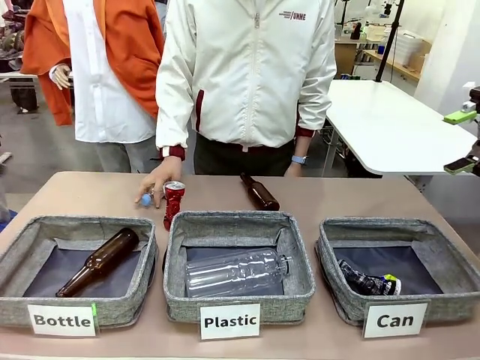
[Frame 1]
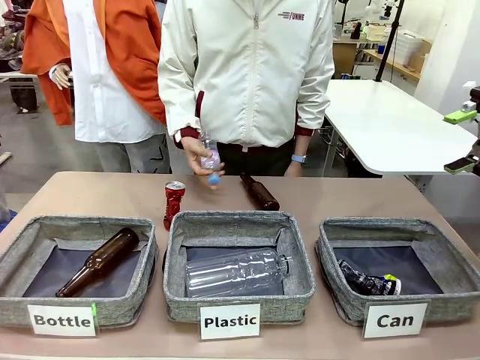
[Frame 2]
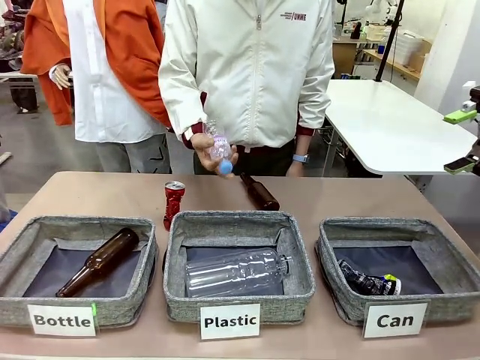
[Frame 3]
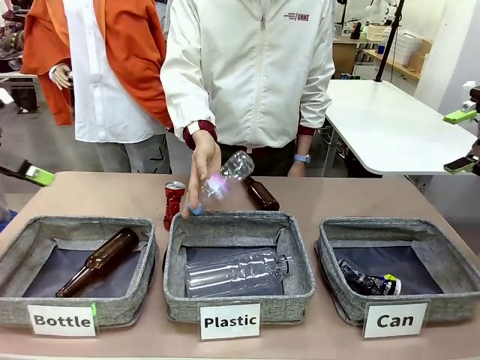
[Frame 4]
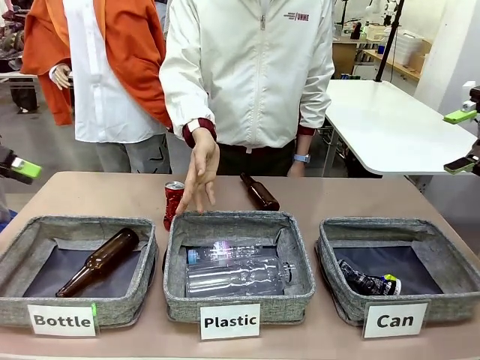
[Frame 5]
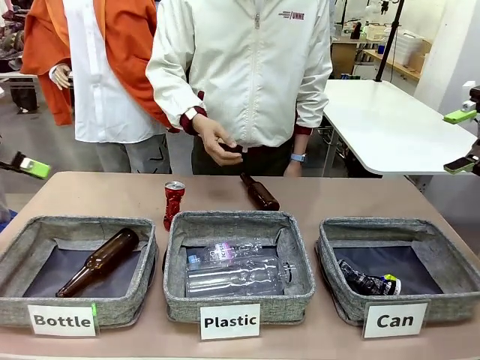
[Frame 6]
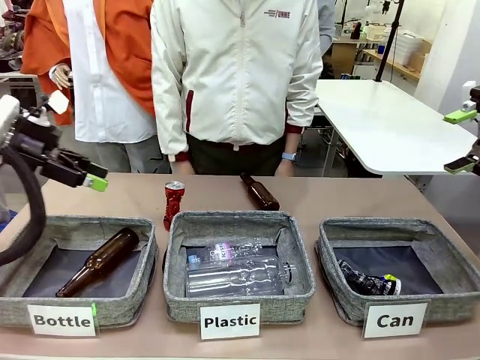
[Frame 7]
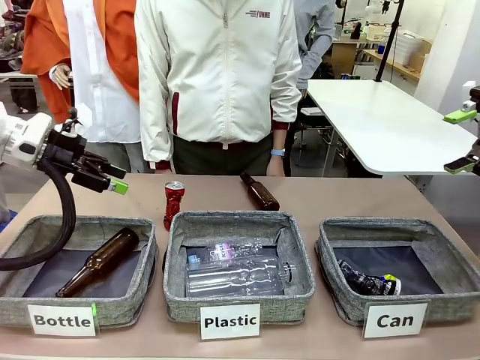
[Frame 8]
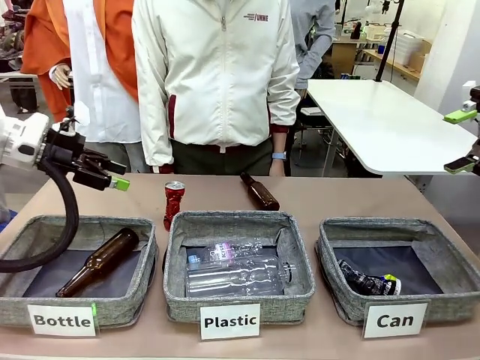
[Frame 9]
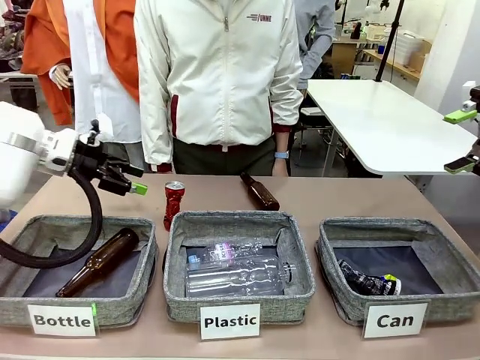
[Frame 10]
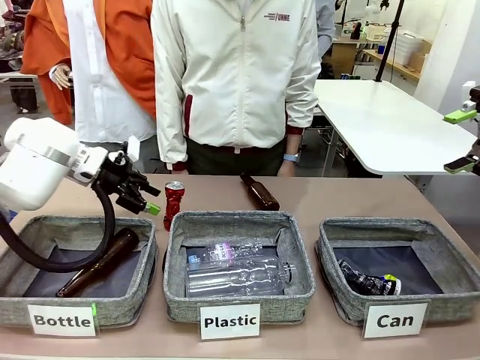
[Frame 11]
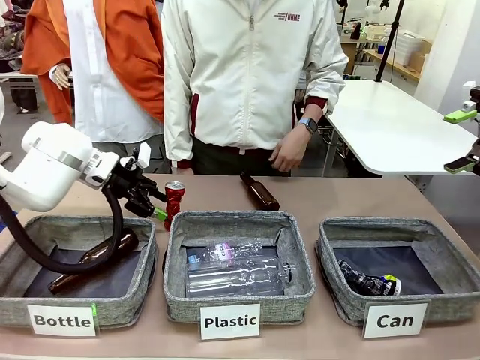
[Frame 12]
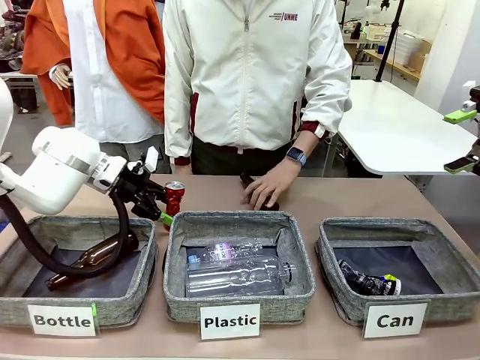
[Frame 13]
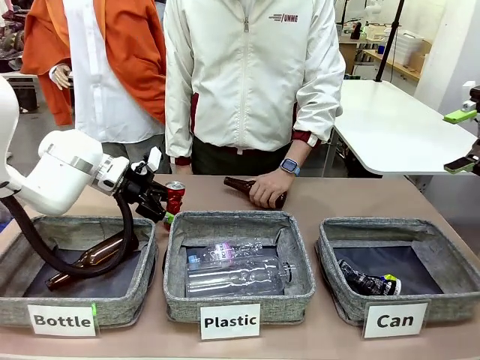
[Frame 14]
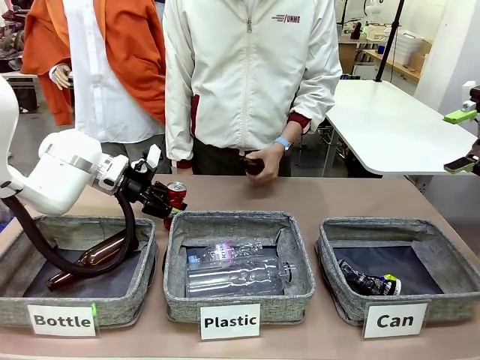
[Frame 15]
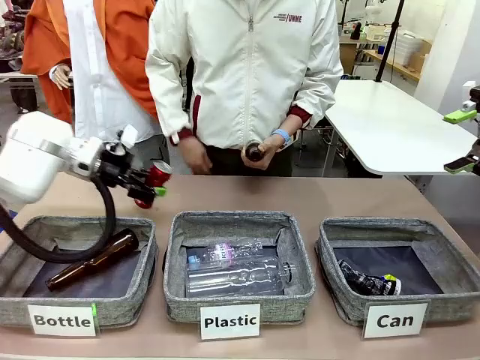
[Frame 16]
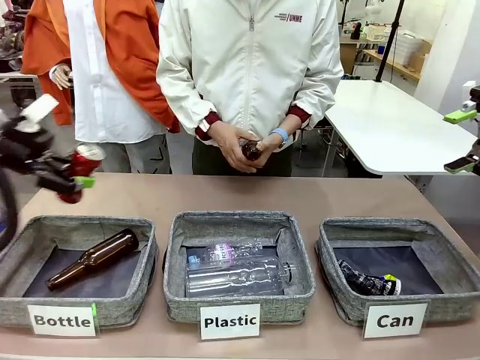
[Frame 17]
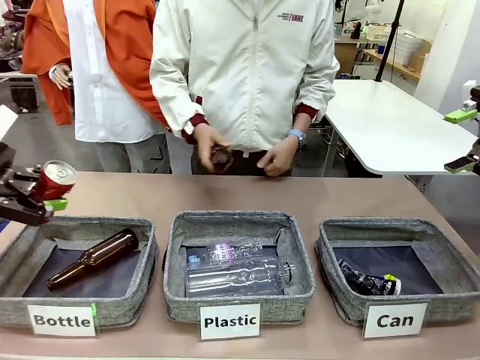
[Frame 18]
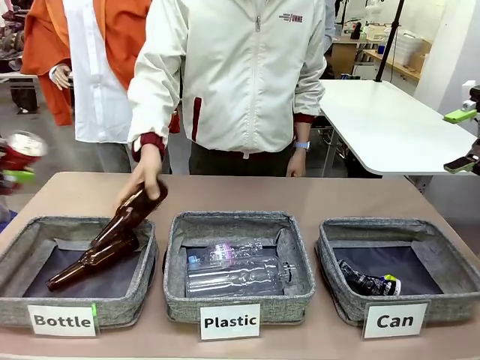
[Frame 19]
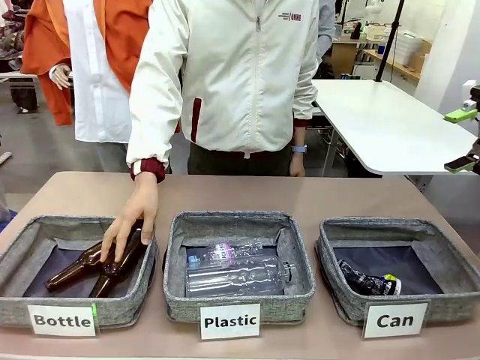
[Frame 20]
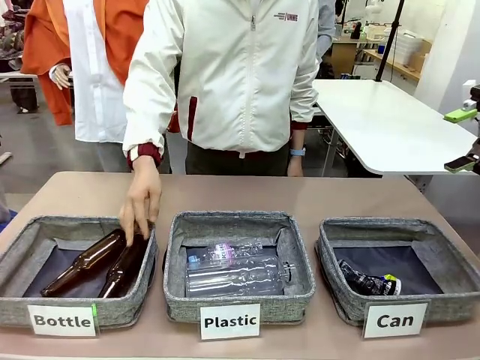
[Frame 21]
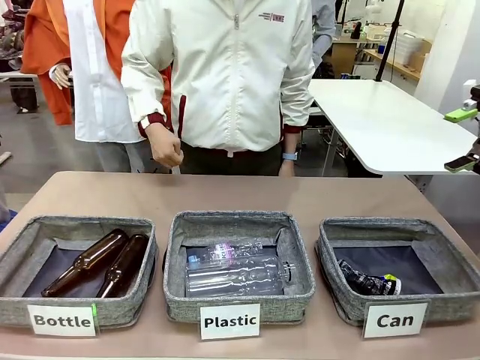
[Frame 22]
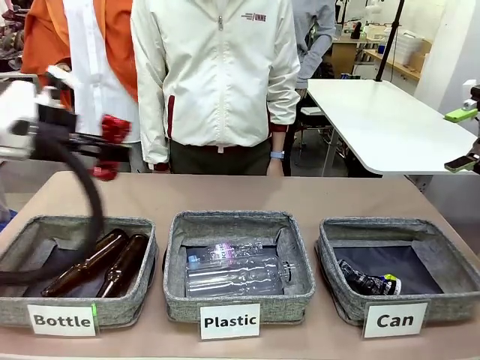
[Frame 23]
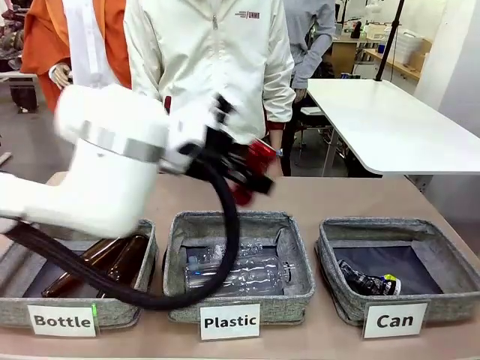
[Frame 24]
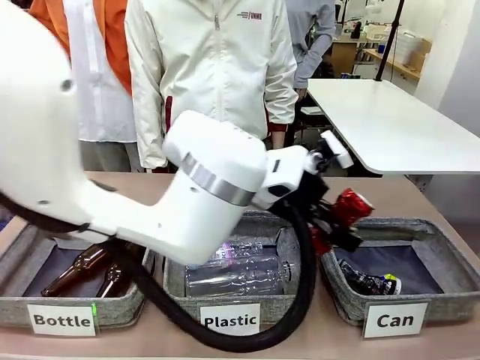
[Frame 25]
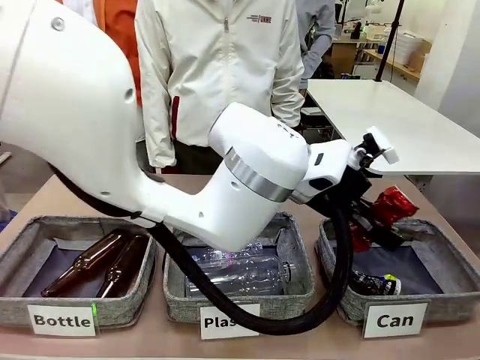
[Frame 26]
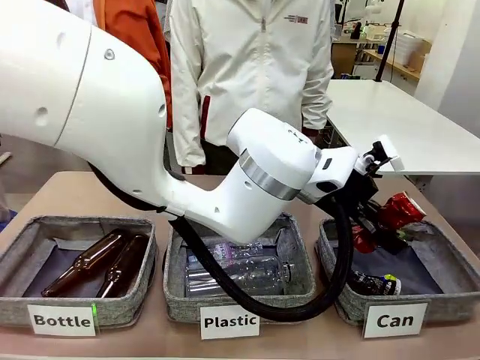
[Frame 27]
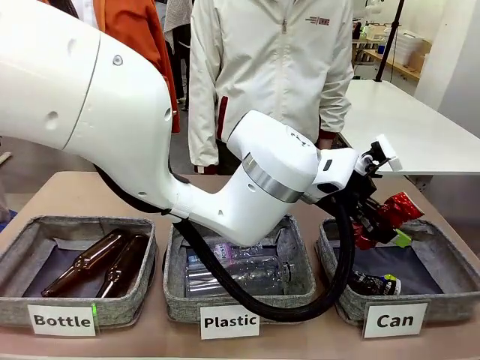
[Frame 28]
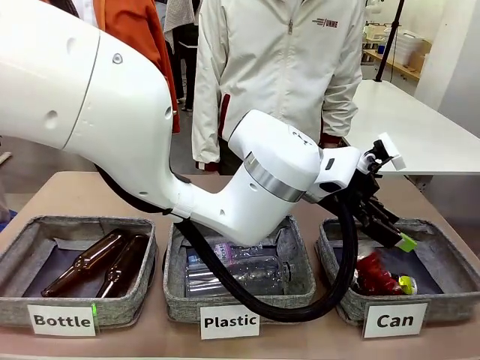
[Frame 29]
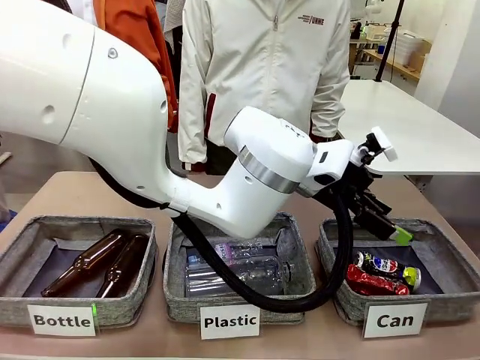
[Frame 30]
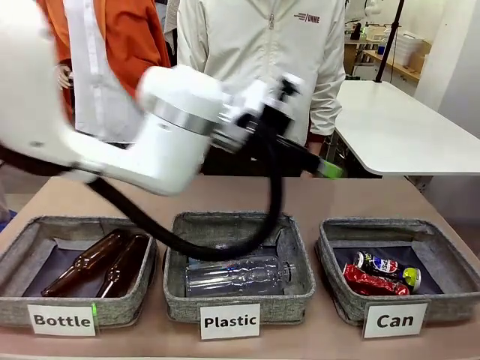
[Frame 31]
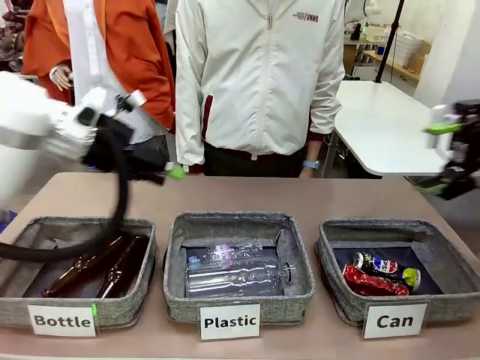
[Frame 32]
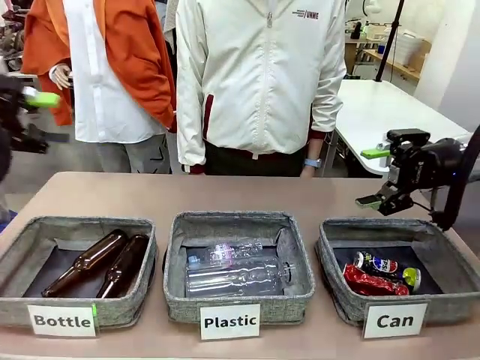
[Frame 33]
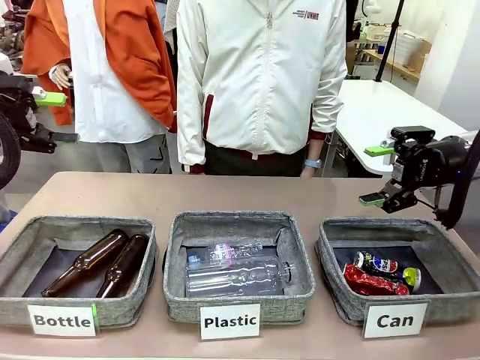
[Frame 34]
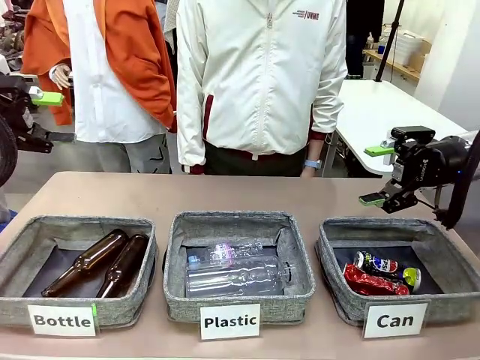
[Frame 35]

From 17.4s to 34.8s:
Task: Sort the can waste into the basket.
Robot: Pick up the can waste from the table and place it in the right Fabric basket.

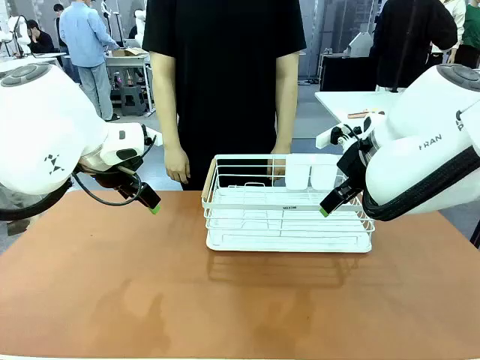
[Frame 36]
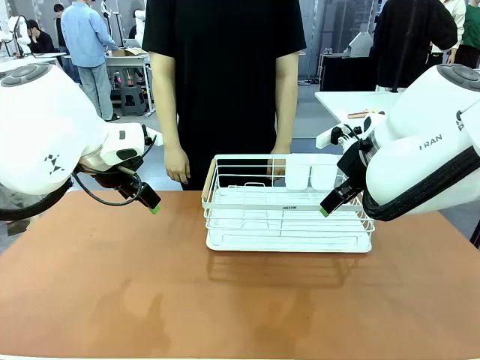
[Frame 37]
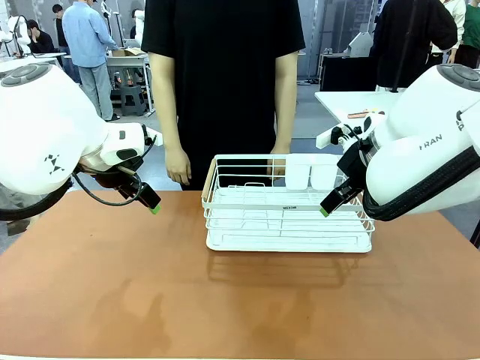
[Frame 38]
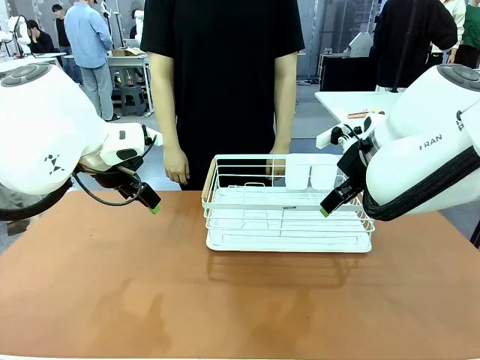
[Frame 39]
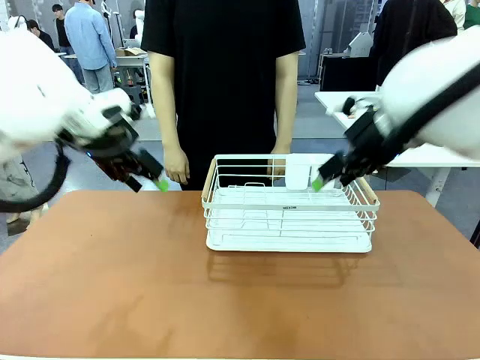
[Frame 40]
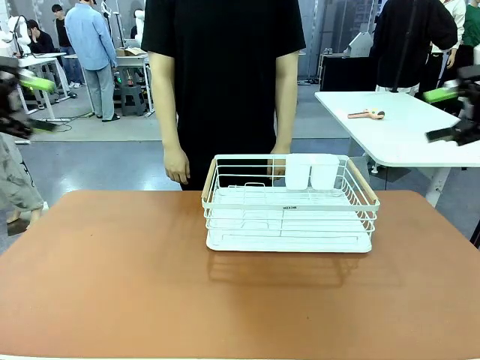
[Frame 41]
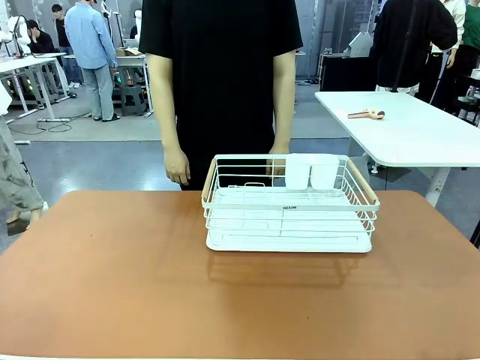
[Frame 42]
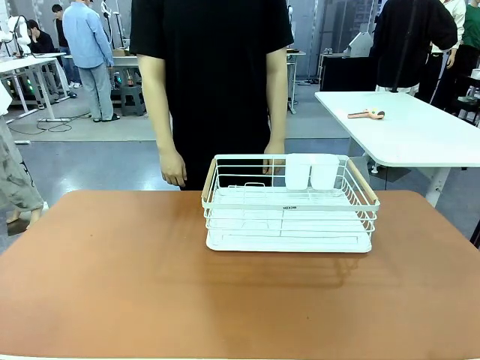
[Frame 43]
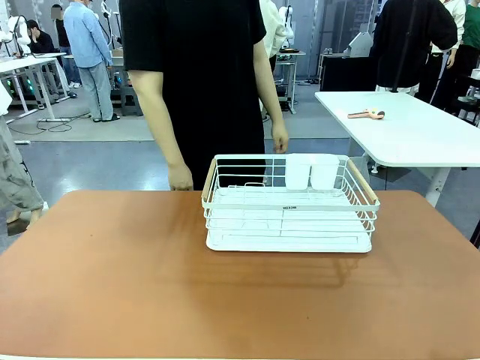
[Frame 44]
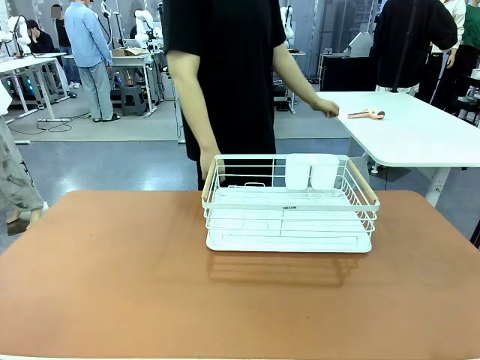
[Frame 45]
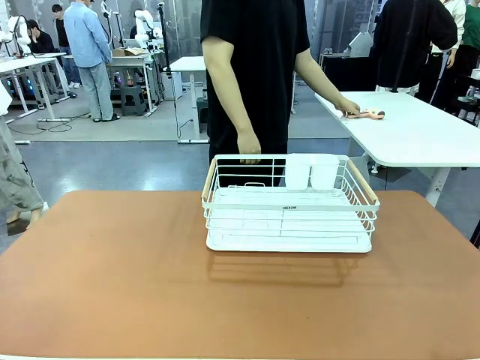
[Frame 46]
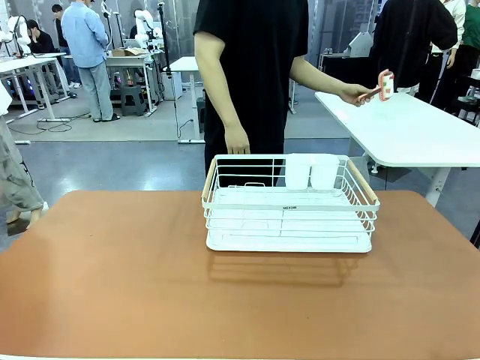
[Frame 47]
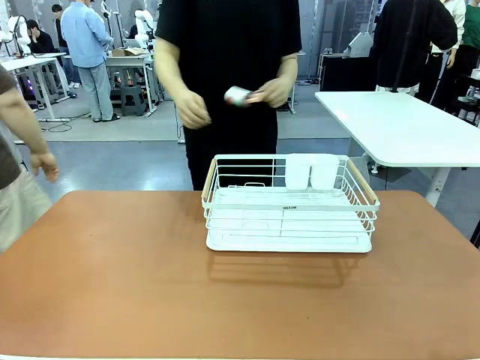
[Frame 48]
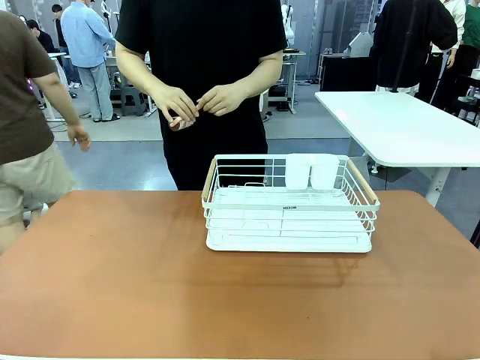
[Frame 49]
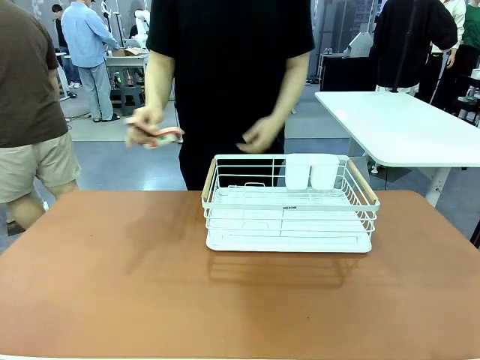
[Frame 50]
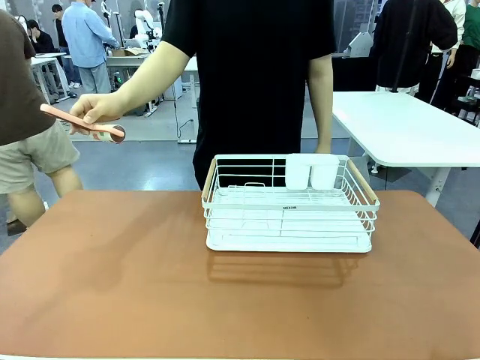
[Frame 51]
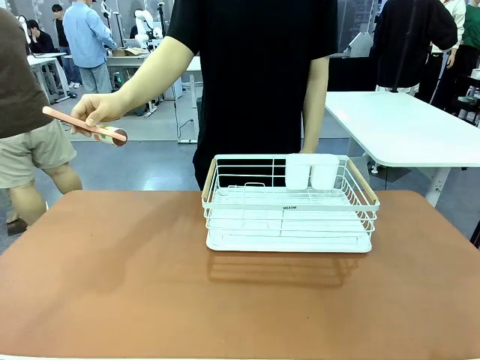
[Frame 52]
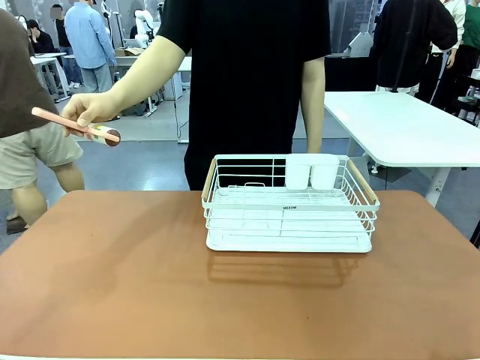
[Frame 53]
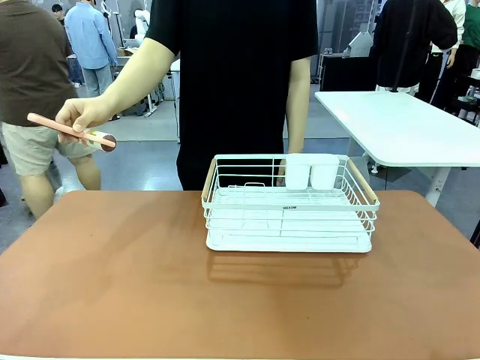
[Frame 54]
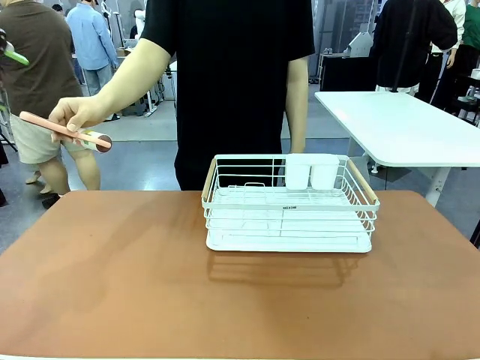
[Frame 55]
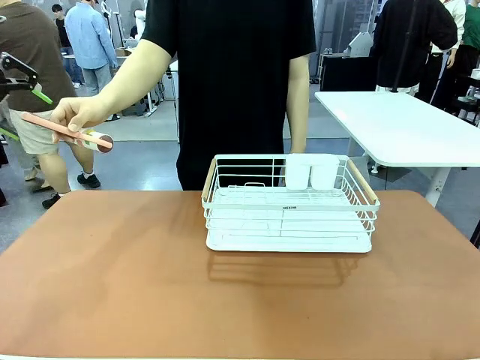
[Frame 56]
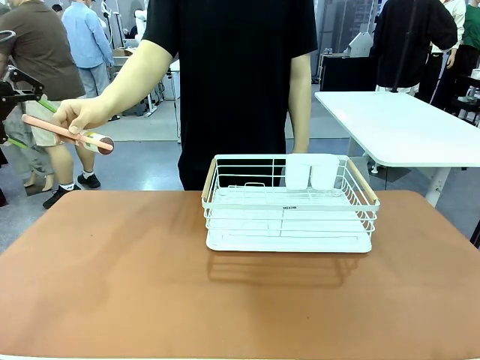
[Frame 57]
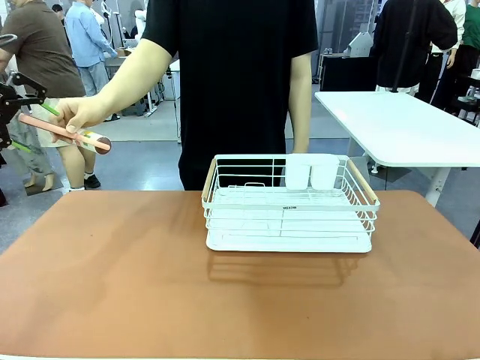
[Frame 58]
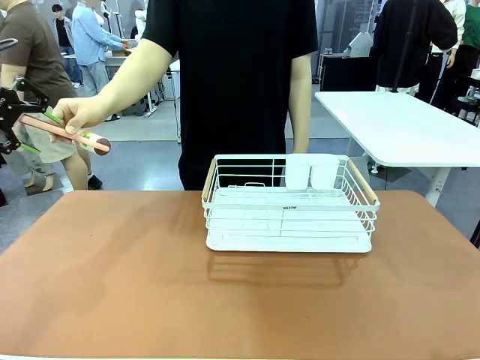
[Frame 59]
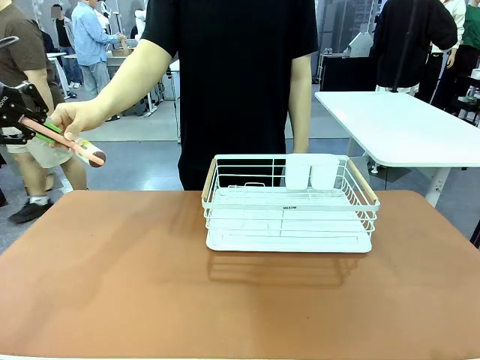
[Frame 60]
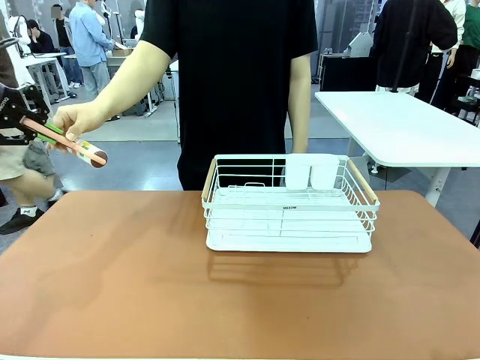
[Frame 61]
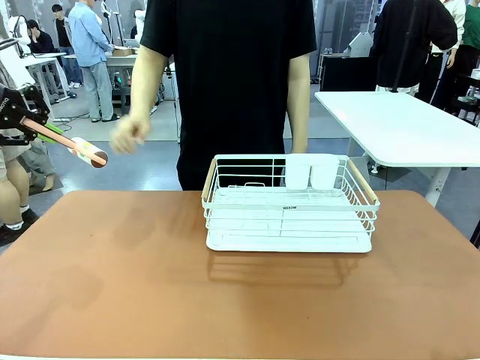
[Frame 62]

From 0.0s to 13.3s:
Task: Clean the table.
Robot: Pick up the Lint Roller when the human hands it over.
Person: Hand the Lint Roller to the robot so it can easily pick it up. Lift the Dish drying rack.
